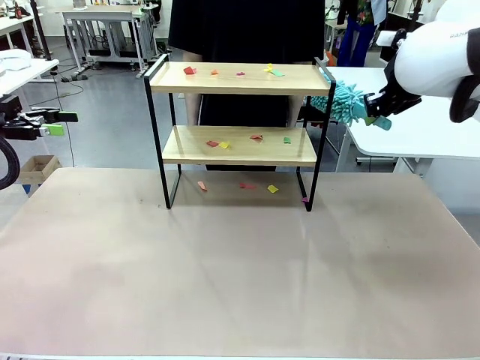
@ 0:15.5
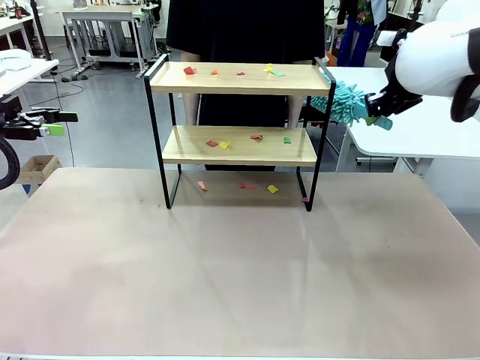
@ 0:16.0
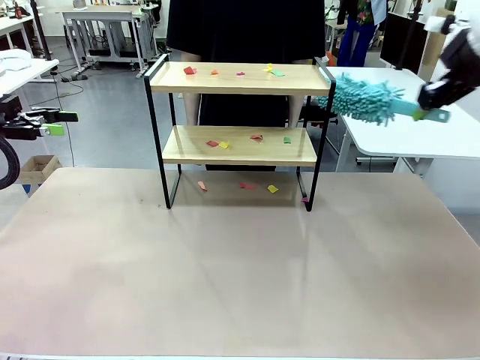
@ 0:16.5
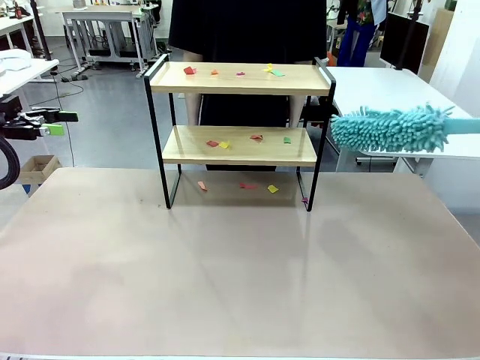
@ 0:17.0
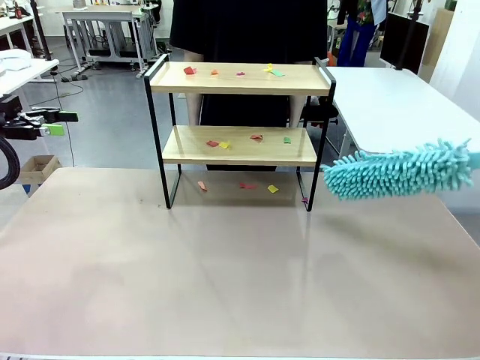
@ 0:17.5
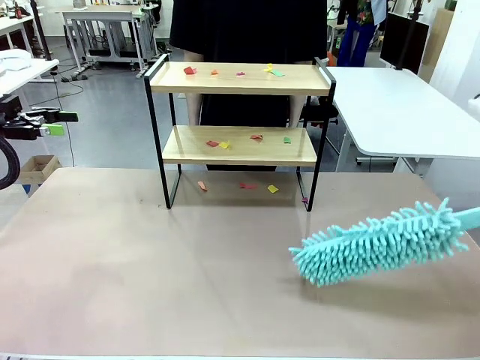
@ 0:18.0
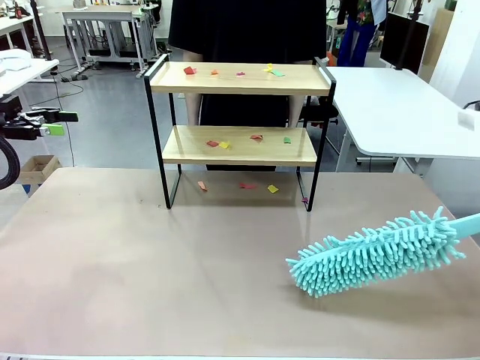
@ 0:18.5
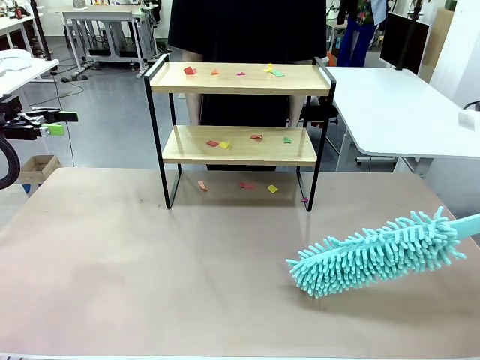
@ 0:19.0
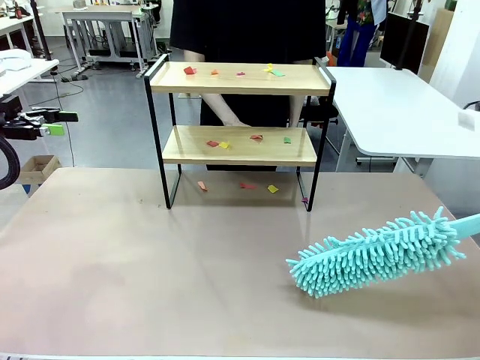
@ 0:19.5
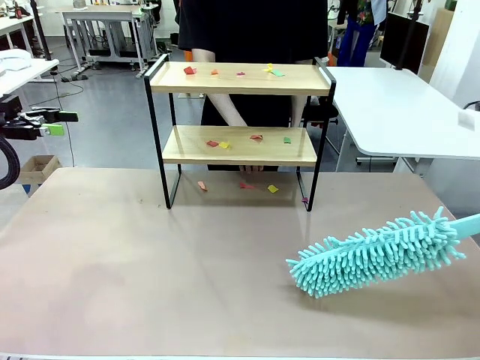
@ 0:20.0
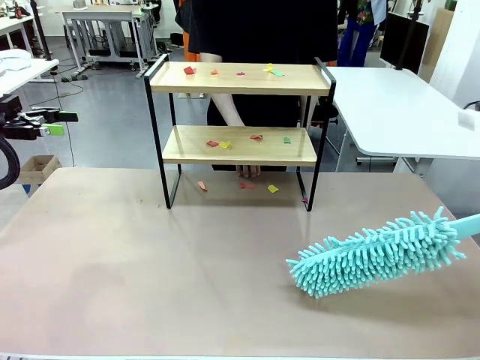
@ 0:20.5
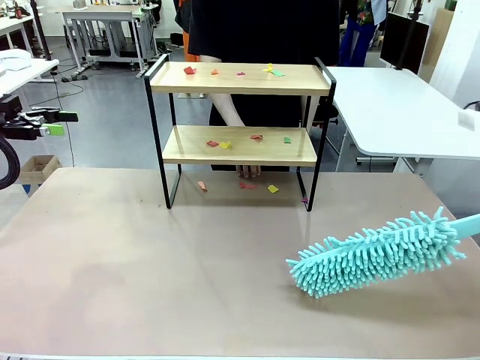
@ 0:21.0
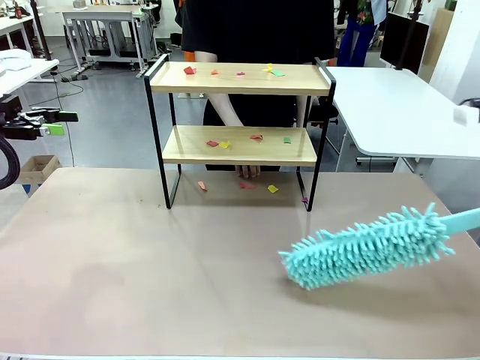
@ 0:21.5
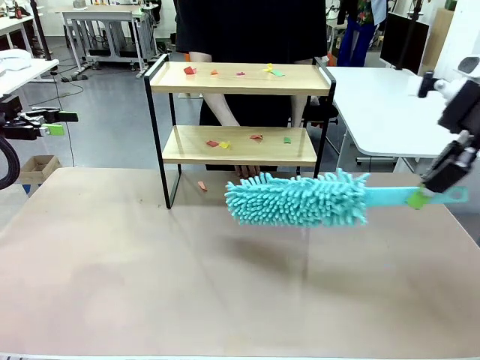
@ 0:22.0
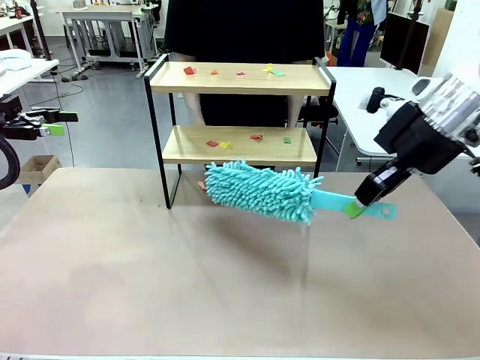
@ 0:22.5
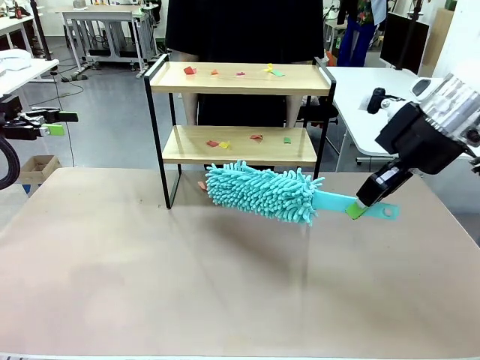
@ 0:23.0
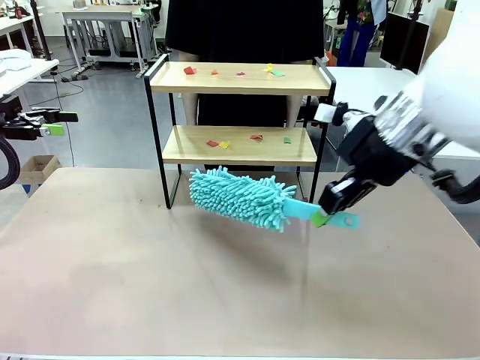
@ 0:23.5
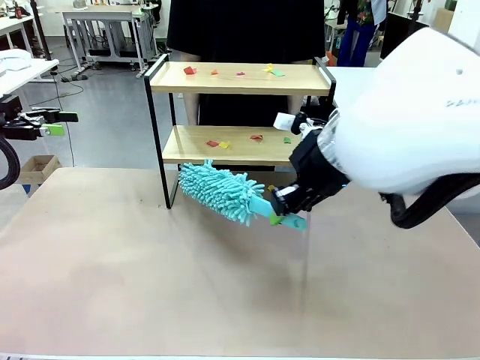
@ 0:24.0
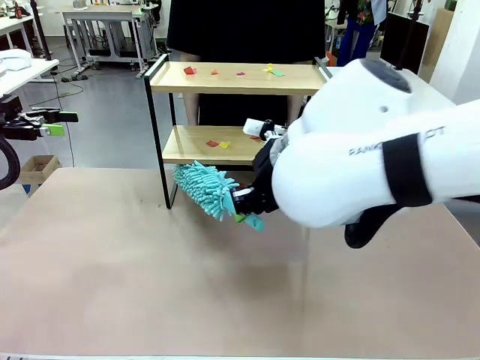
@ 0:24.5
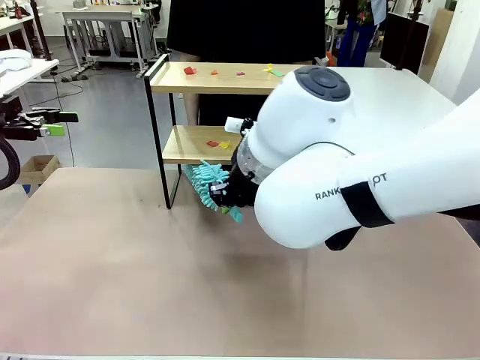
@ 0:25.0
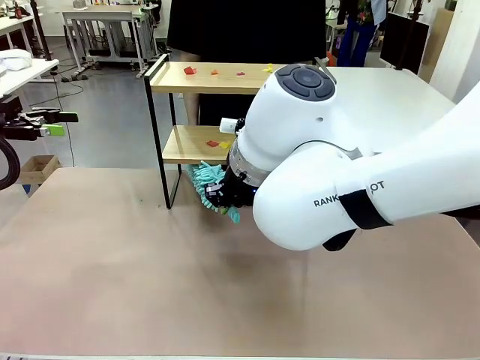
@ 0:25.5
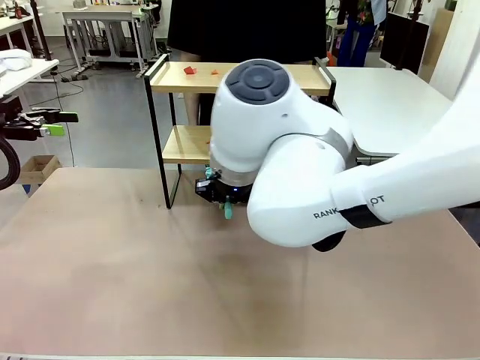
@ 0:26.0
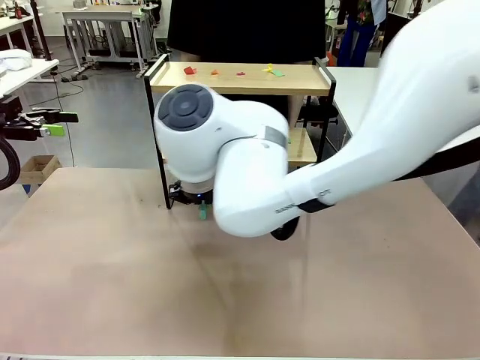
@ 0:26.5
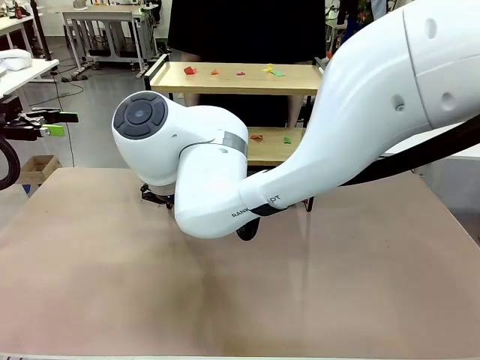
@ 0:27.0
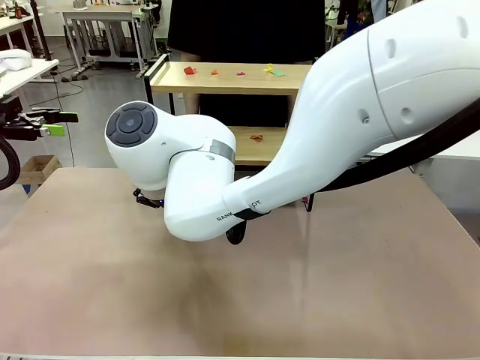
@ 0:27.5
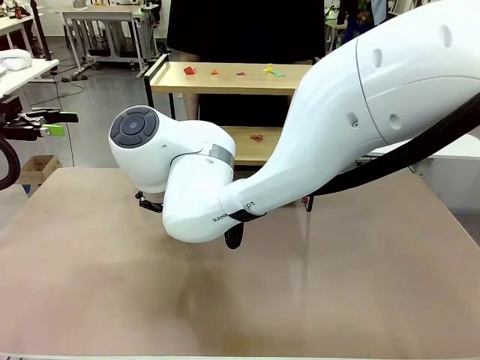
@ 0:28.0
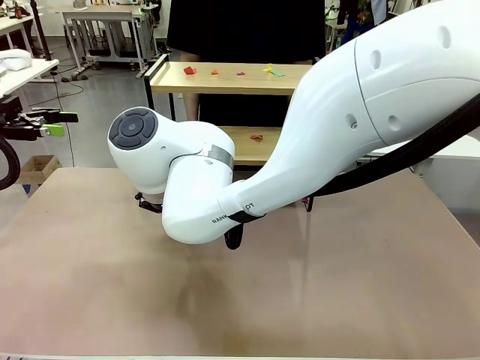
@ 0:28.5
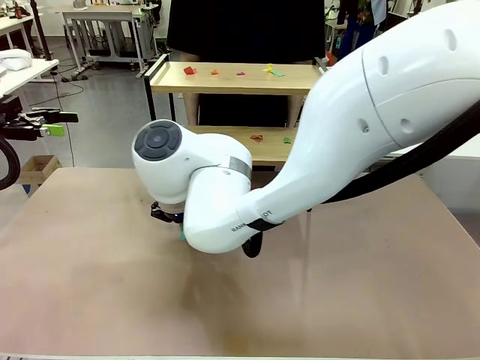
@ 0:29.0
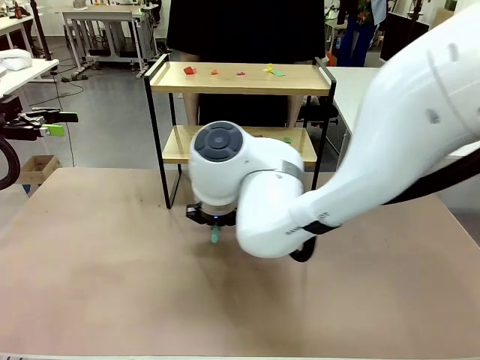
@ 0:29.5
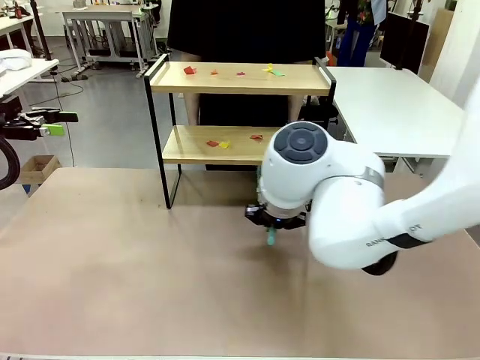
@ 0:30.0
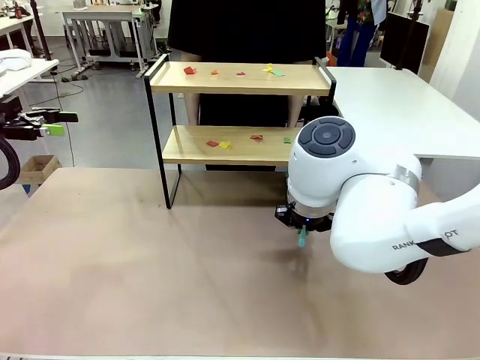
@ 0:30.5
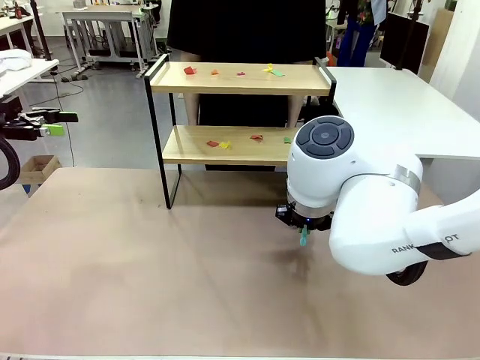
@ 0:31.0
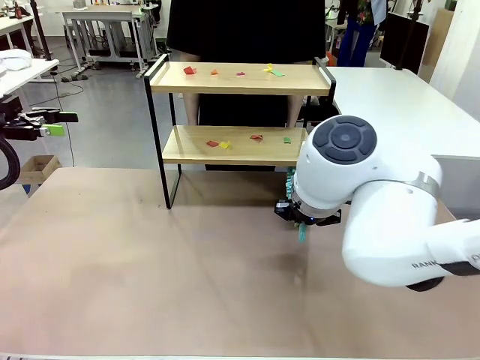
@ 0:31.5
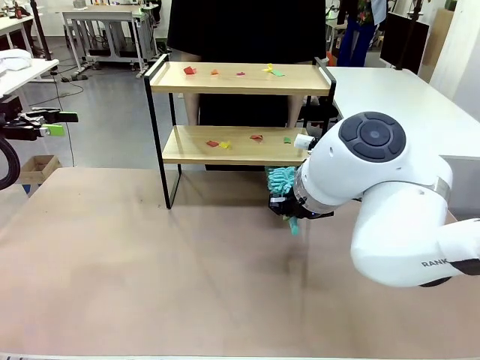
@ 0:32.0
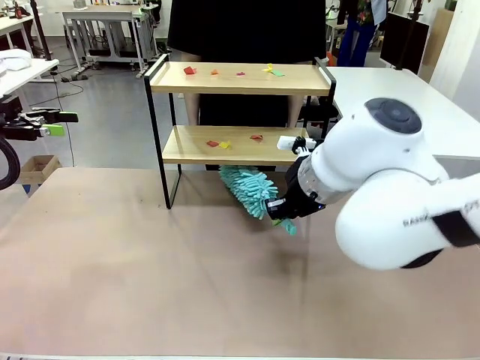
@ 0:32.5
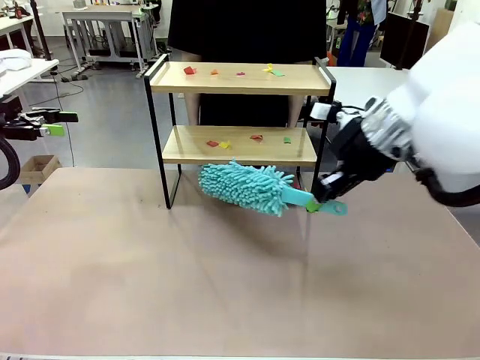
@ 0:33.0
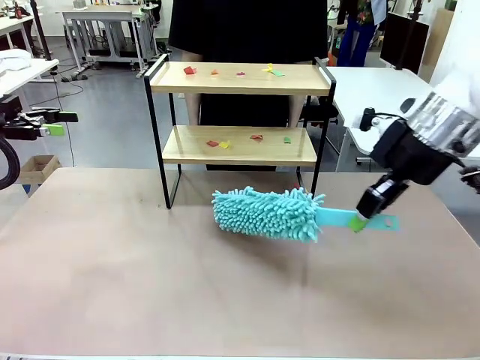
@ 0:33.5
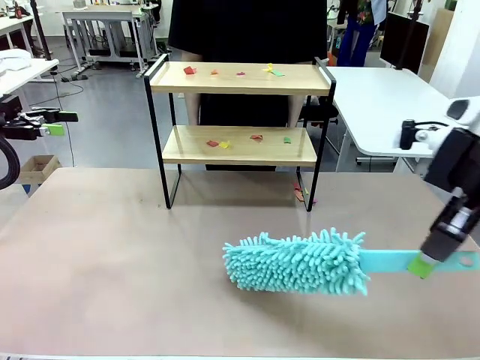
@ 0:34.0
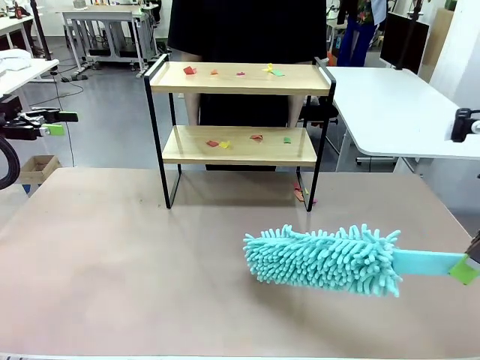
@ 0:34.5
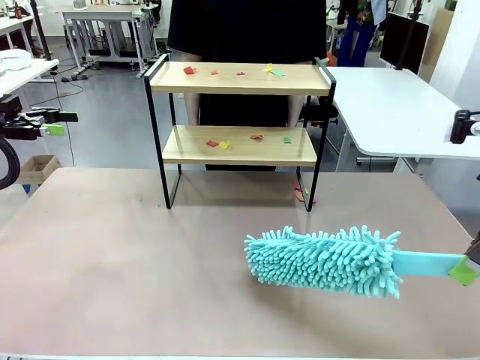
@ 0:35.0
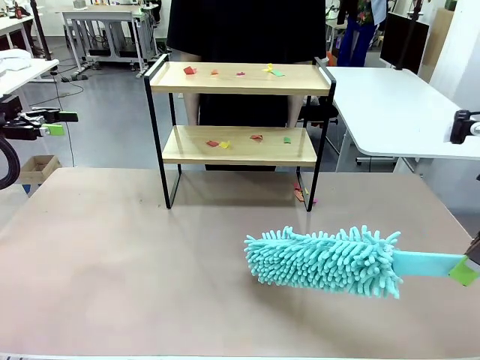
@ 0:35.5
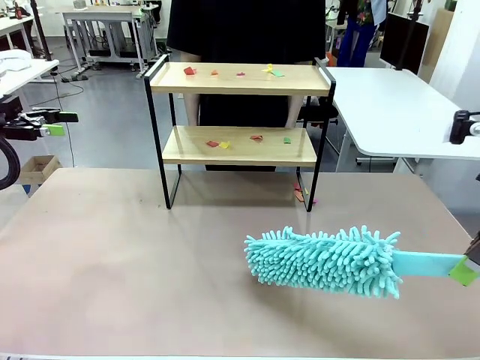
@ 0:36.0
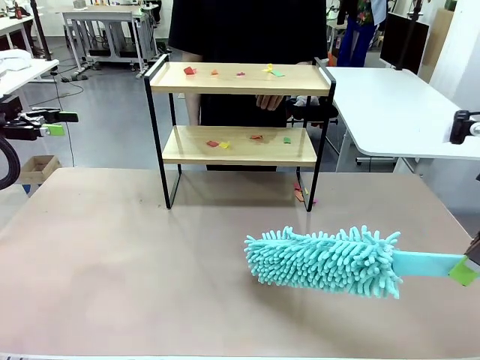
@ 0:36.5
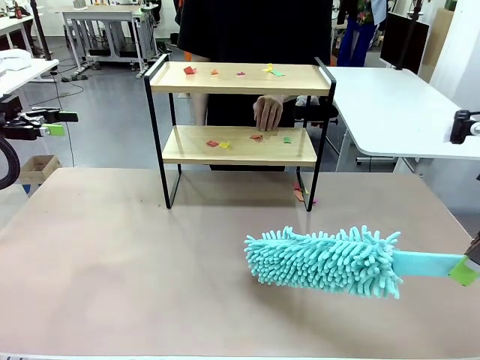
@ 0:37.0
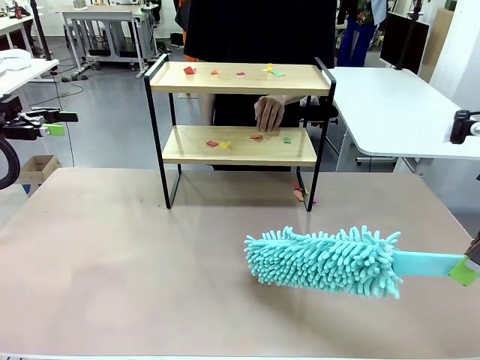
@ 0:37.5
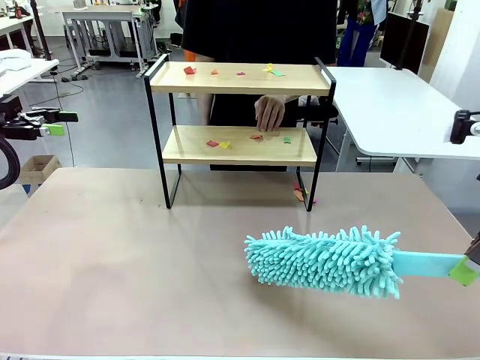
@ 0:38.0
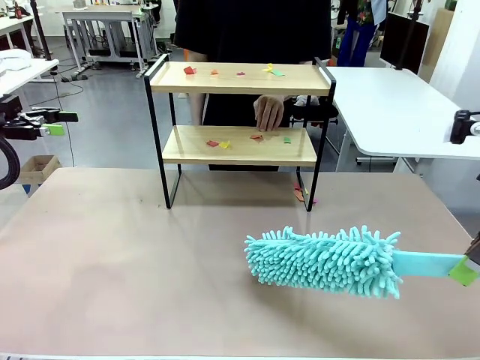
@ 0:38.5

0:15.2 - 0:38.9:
Task: Clean the shelf.
Robot: Clean the specific section of the Shelf indicated by the human with the Duster.
Person: Point a random section of the Shelf.
